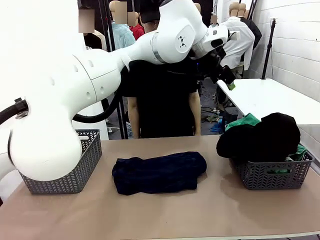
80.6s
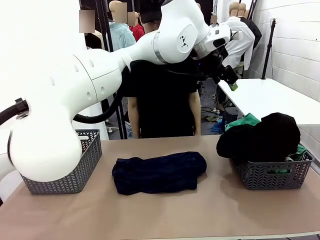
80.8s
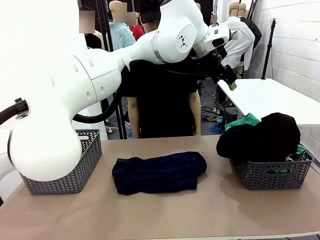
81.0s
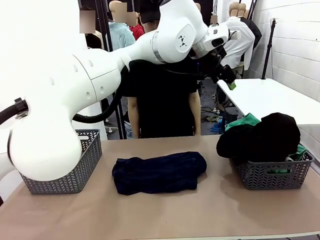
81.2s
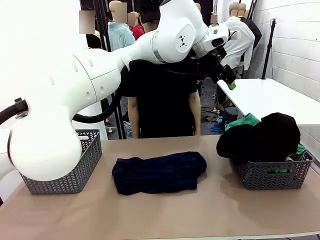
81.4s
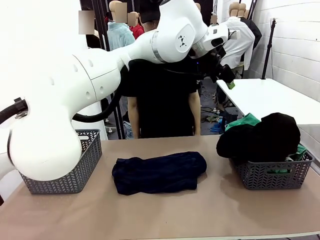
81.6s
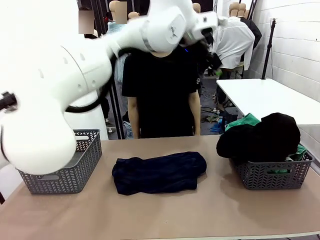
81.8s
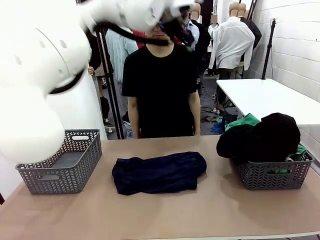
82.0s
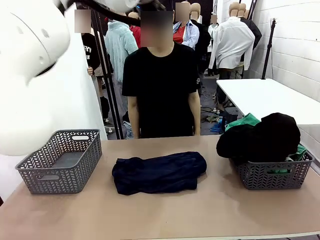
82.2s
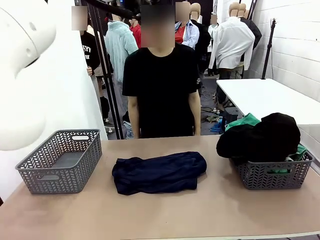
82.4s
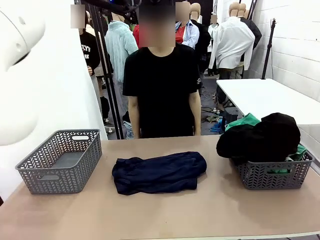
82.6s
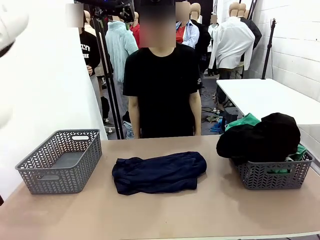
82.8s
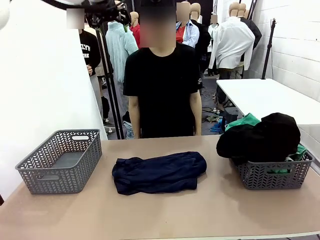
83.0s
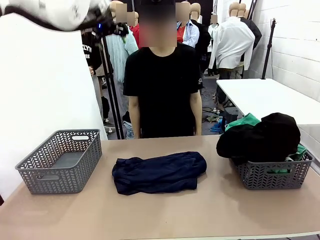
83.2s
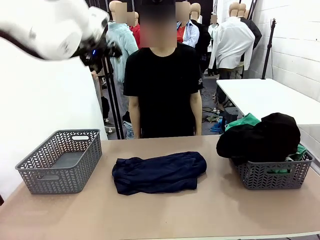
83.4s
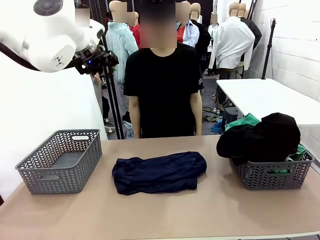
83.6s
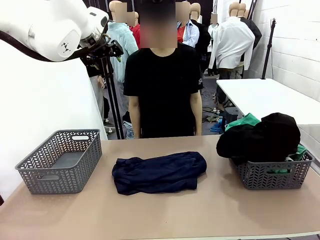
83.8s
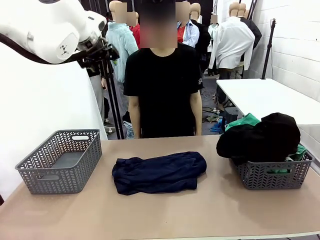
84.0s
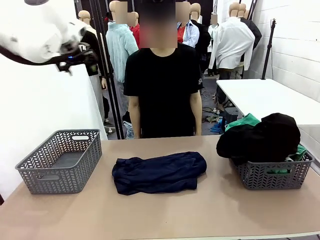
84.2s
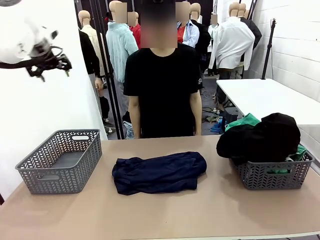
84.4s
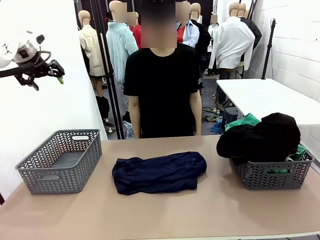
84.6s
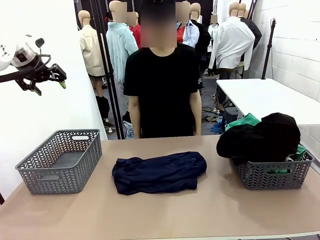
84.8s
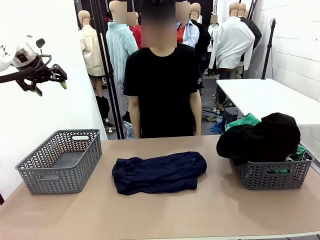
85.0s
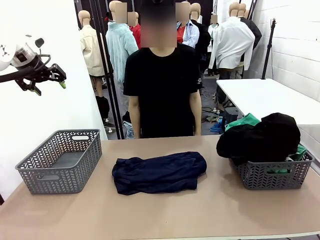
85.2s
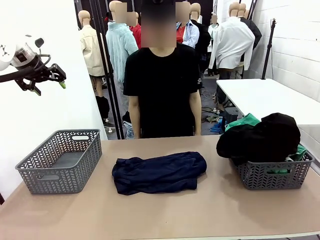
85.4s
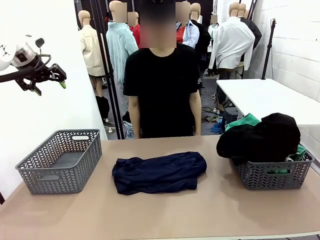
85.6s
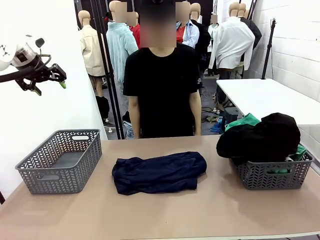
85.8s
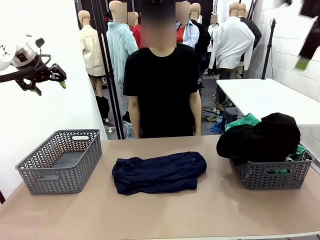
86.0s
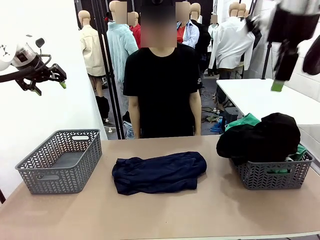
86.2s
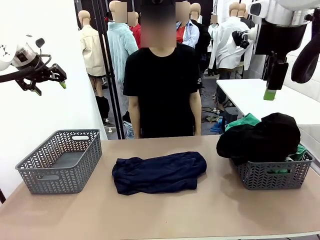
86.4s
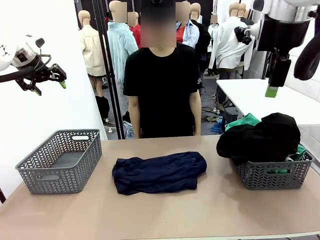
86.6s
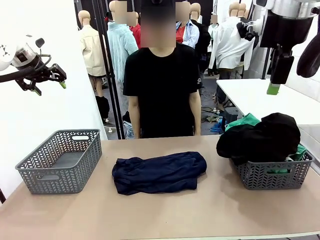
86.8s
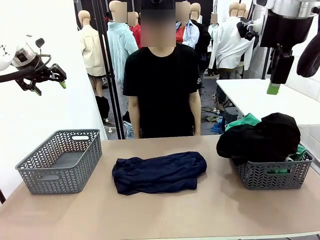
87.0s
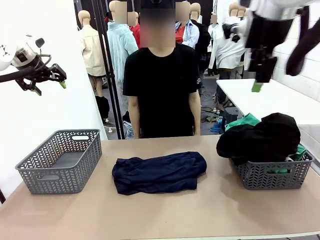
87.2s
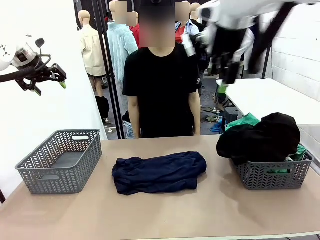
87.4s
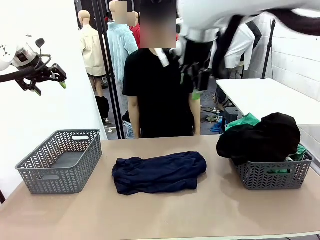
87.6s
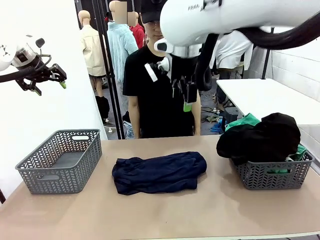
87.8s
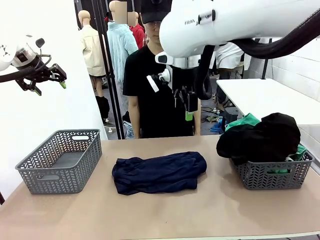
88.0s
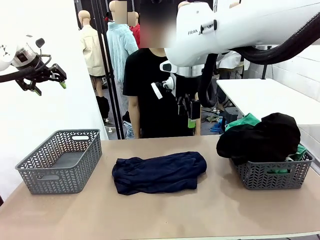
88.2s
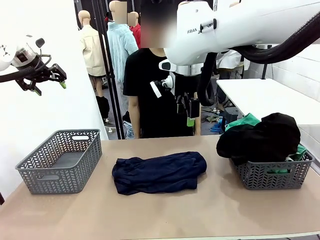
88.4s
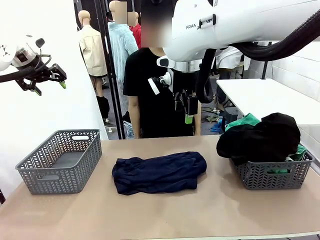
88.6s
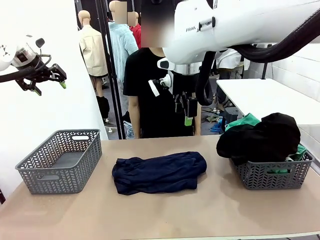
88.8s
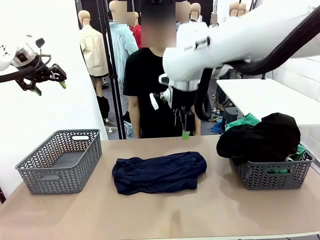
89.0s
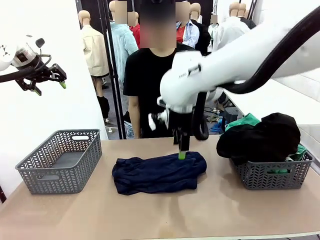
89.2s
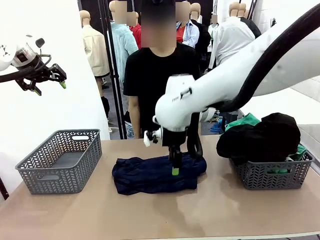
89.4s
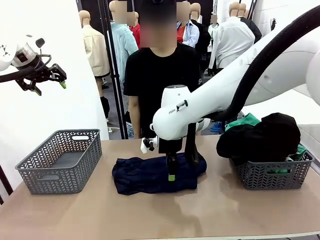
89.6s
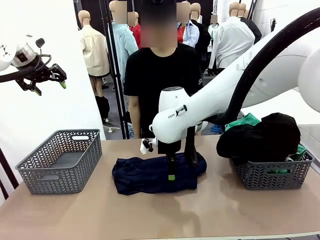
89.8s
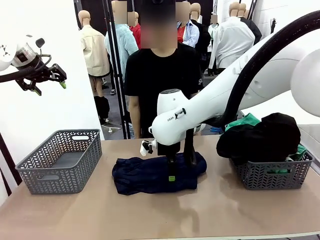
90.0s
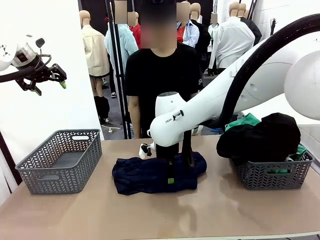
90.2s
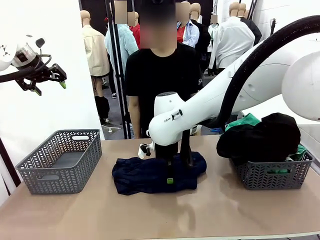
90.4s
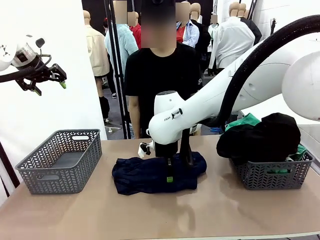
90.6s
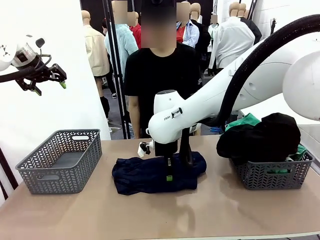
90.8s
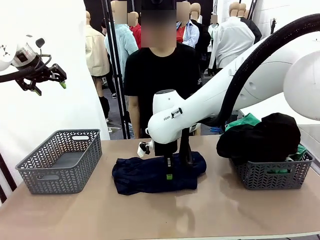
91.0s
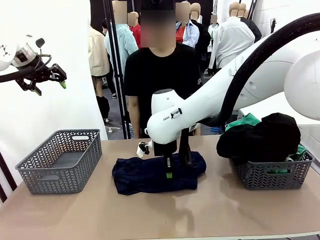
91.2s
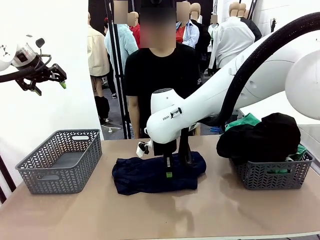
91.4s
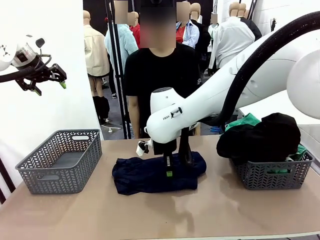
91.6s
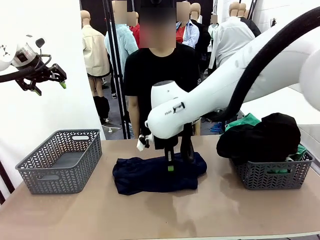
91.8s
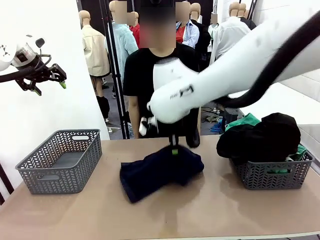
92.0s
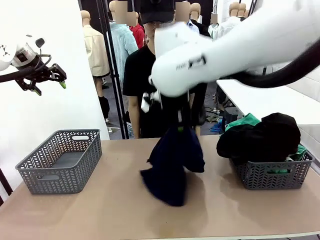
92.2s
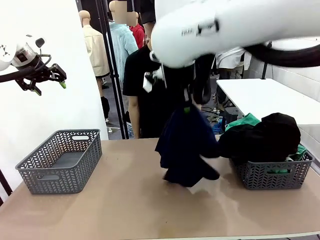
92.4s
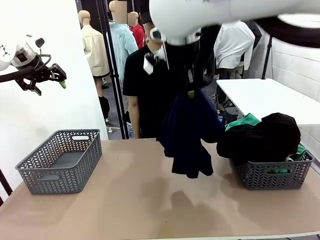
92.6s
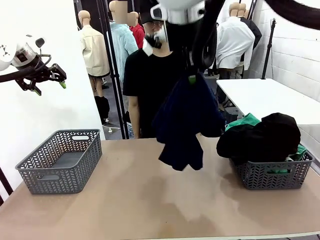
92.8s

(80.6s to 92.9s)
Task: Sort the tops and bottoms.
Robot: Lift clothes from the center of the table with your right hand.

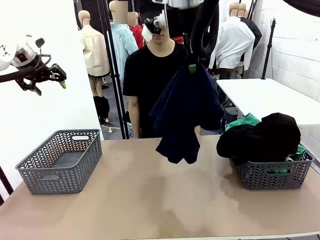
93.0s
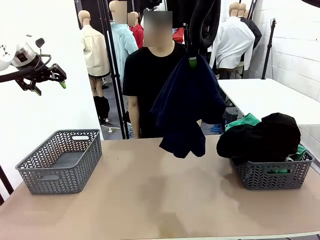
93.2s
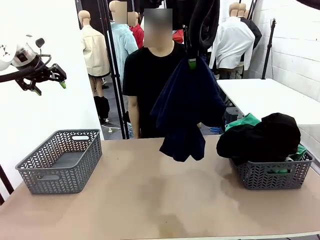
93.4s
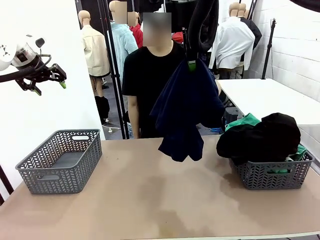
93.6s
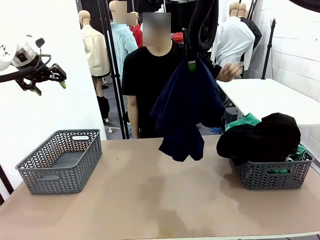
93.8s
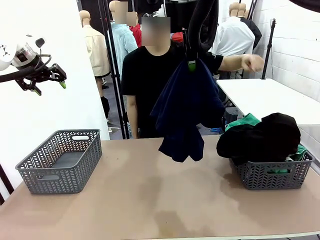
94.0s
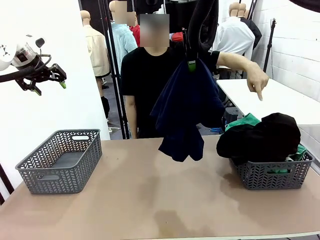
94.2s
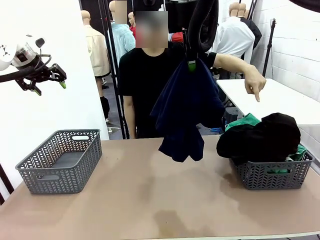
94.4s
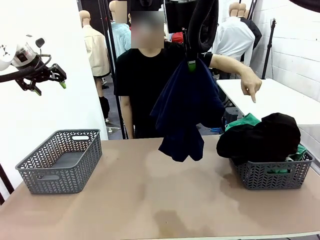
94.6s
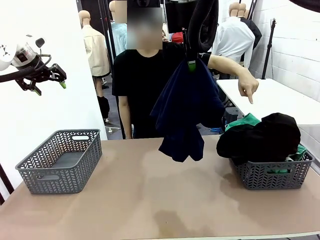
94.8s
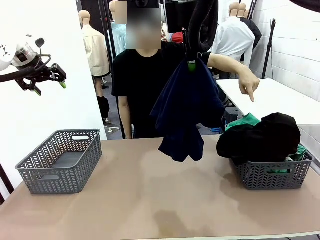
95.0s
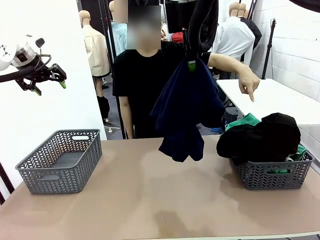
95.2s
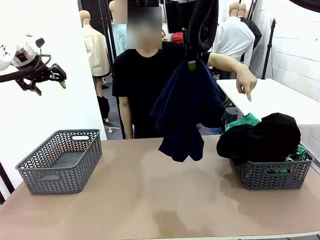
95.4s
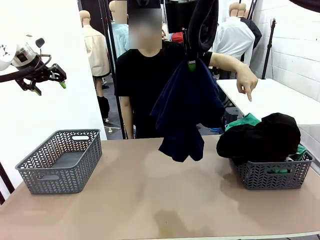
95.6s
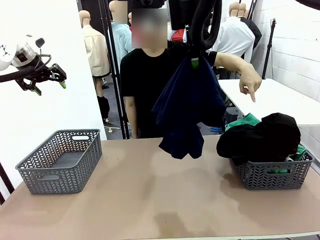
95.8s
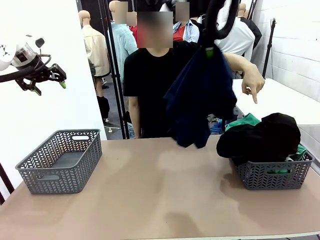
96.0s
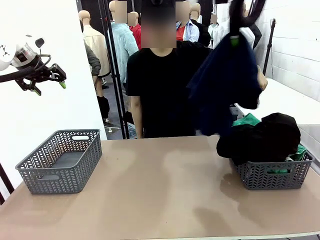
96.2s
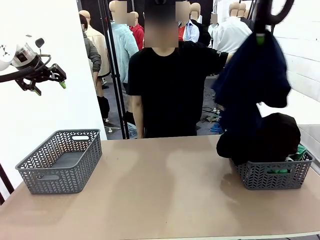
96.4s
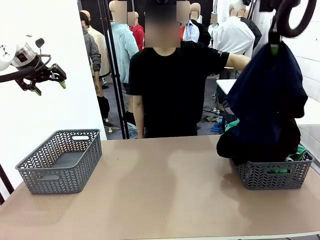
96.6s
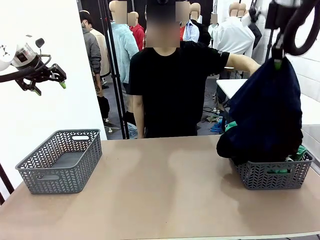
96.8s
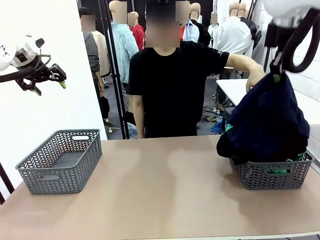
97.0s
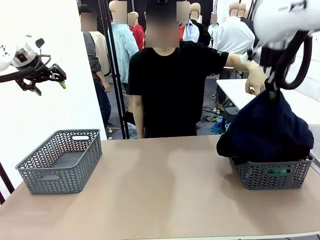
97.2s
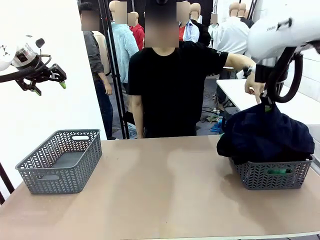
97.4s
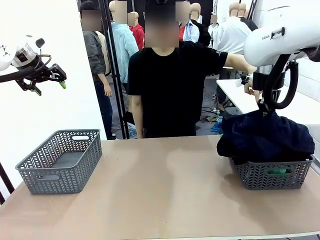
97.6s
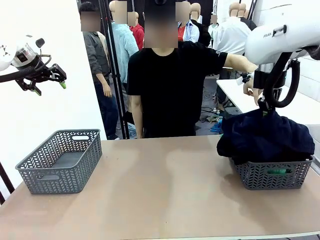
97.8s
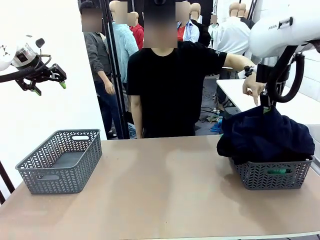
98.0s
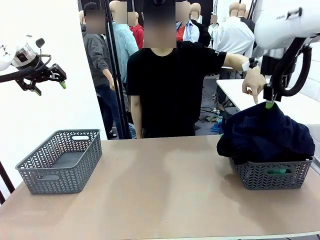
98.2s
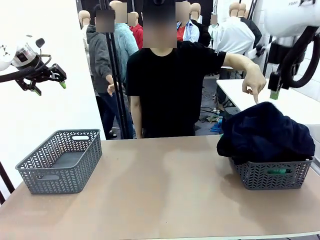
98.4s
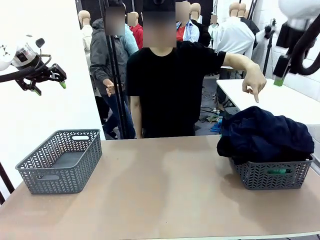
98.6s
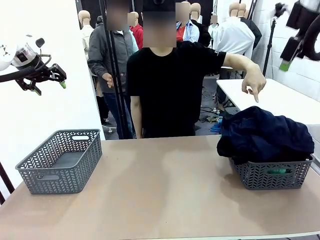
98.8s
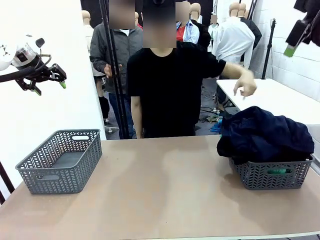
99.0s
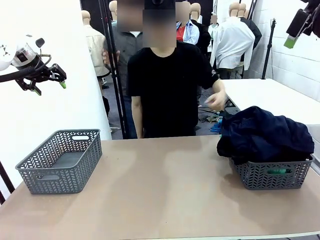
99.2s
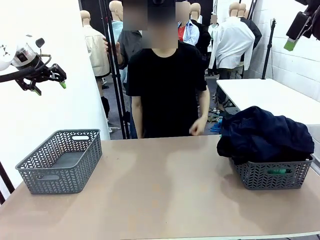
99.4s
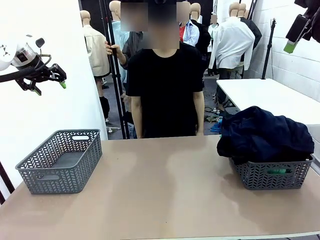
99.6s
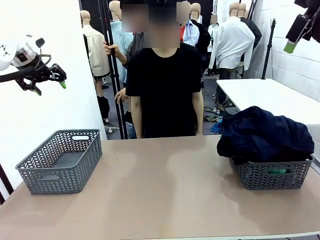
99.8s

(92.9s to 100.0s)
Robot: Sort the clothes according to human instructions.
